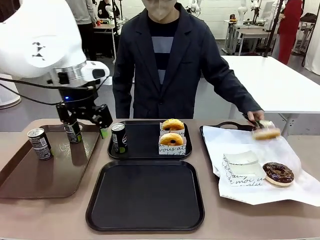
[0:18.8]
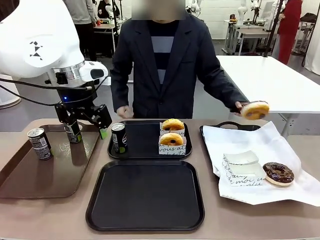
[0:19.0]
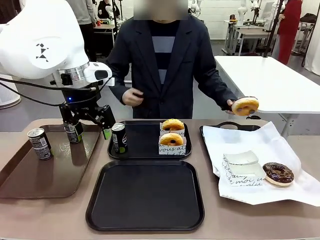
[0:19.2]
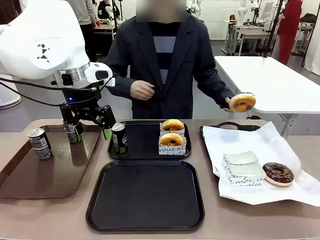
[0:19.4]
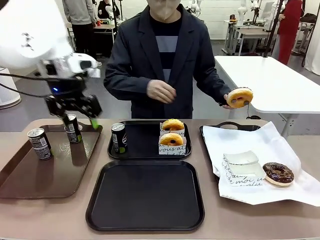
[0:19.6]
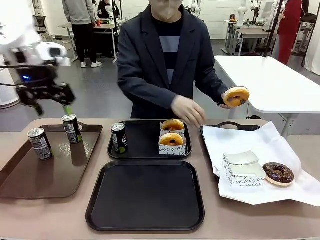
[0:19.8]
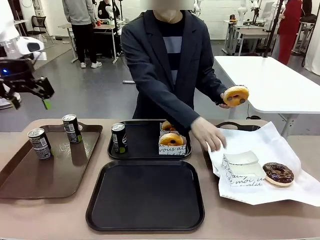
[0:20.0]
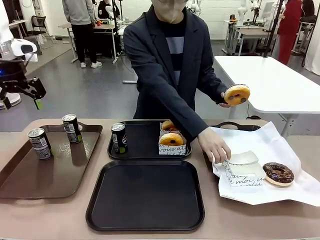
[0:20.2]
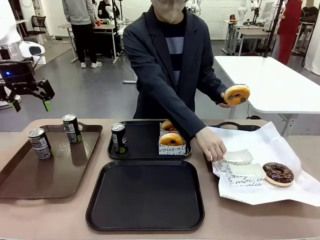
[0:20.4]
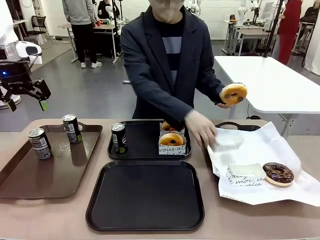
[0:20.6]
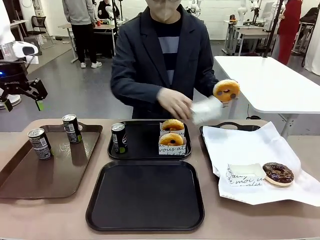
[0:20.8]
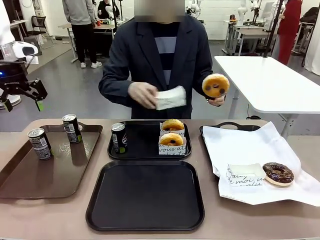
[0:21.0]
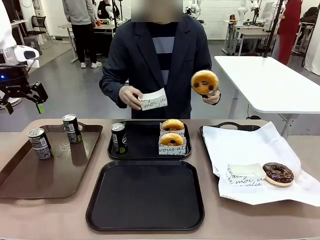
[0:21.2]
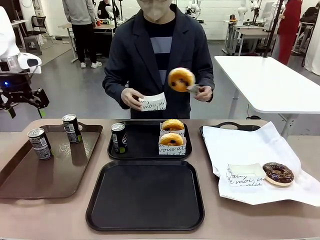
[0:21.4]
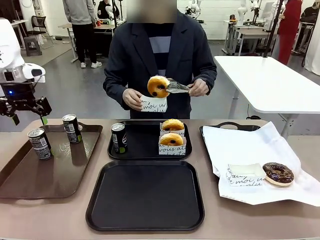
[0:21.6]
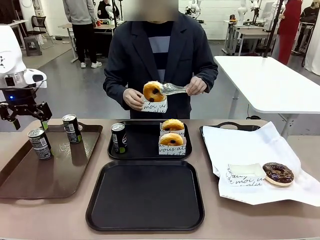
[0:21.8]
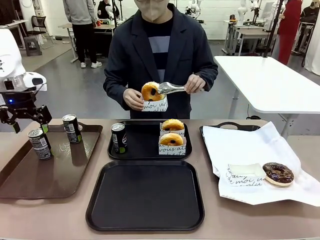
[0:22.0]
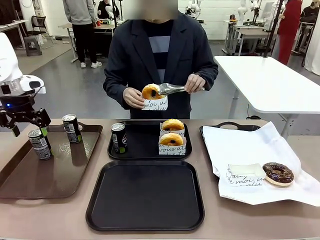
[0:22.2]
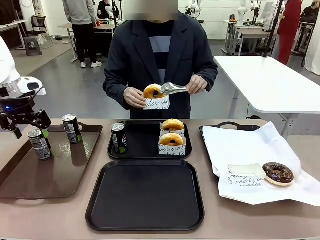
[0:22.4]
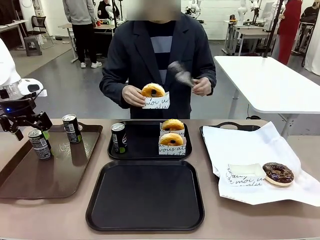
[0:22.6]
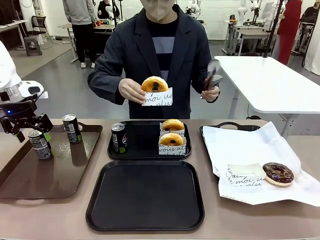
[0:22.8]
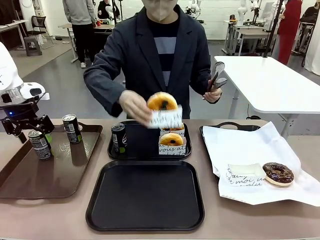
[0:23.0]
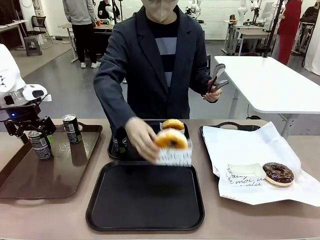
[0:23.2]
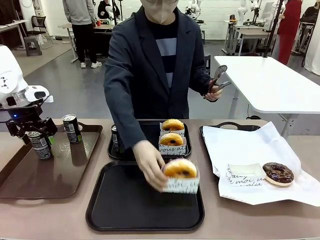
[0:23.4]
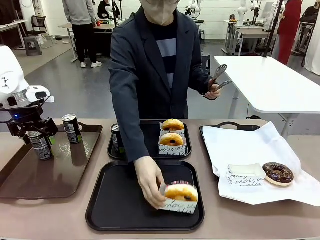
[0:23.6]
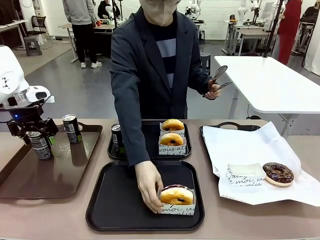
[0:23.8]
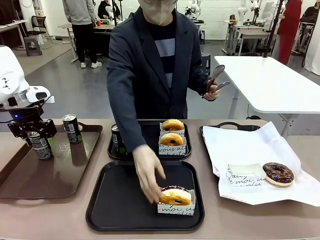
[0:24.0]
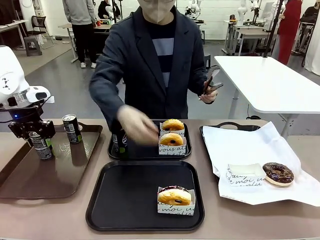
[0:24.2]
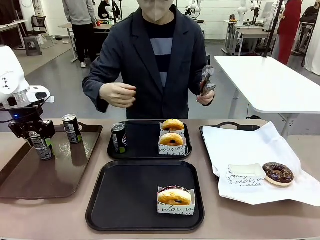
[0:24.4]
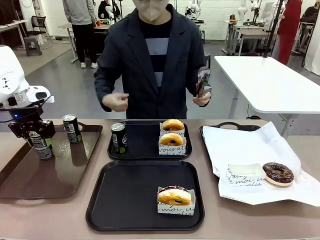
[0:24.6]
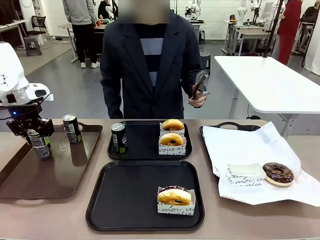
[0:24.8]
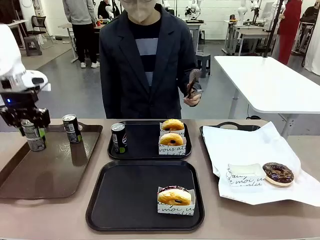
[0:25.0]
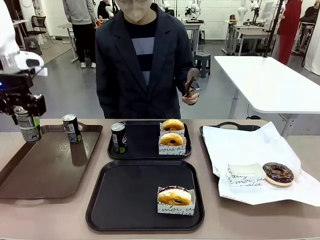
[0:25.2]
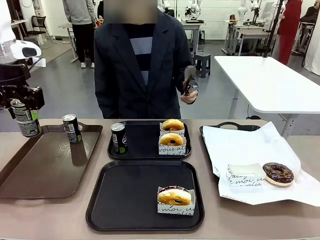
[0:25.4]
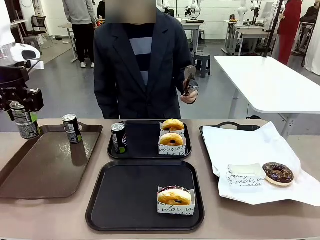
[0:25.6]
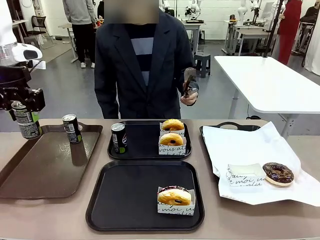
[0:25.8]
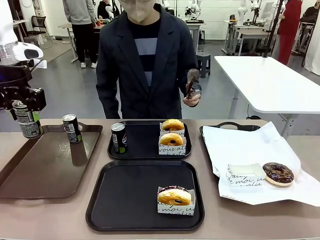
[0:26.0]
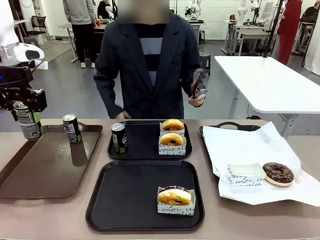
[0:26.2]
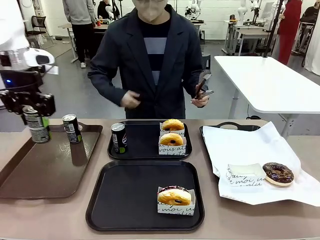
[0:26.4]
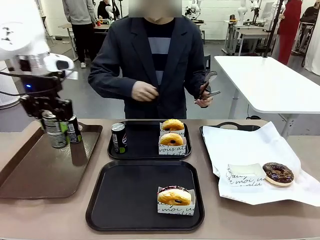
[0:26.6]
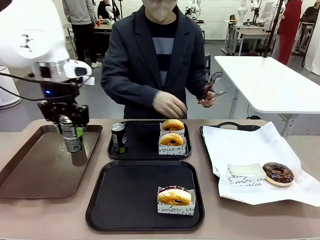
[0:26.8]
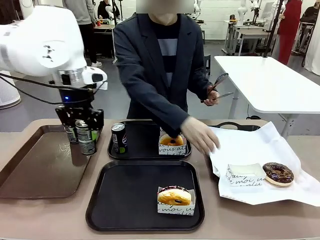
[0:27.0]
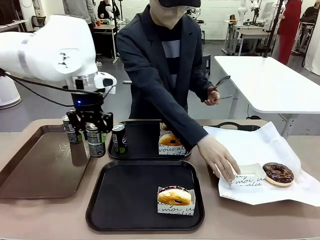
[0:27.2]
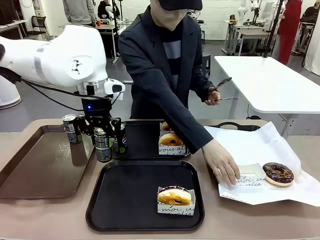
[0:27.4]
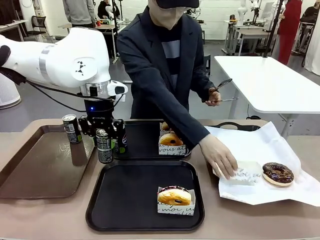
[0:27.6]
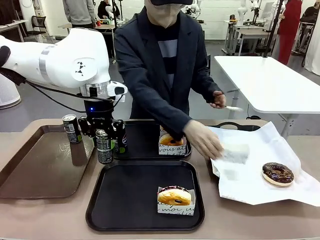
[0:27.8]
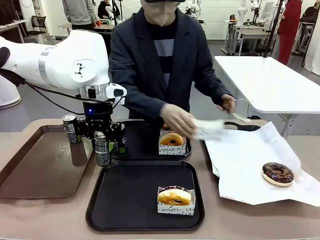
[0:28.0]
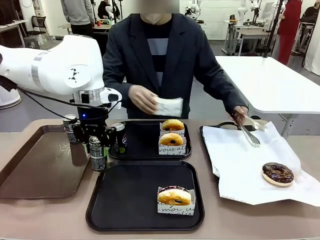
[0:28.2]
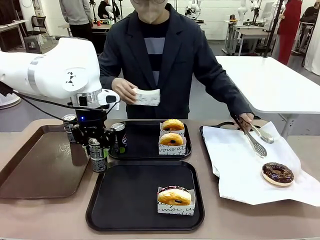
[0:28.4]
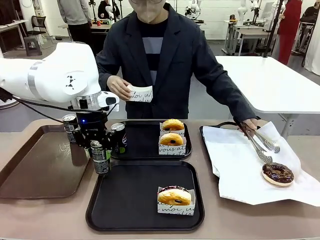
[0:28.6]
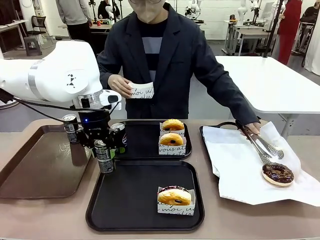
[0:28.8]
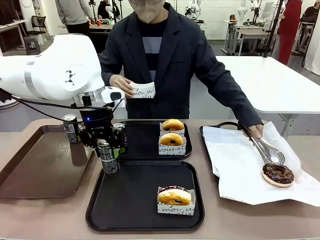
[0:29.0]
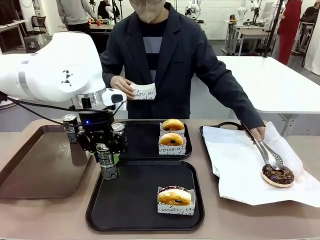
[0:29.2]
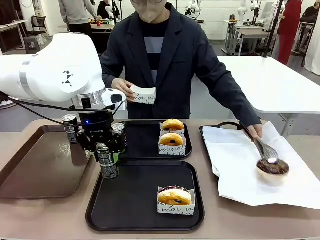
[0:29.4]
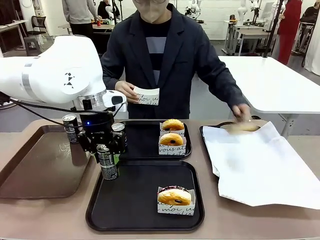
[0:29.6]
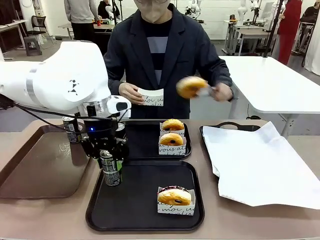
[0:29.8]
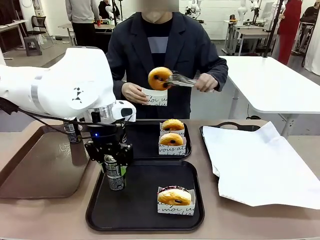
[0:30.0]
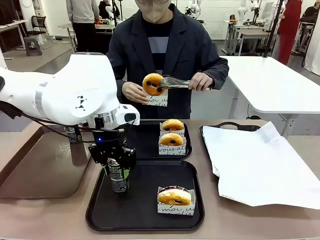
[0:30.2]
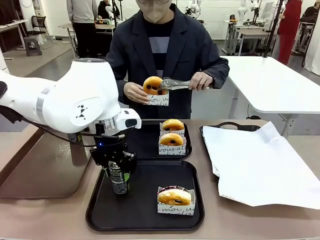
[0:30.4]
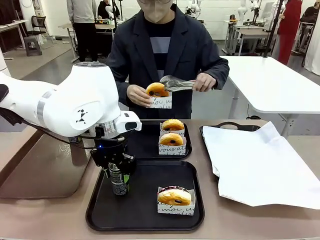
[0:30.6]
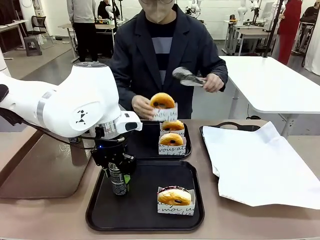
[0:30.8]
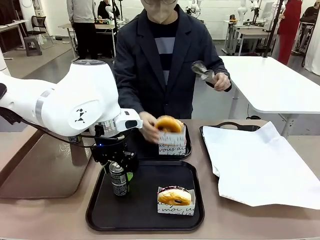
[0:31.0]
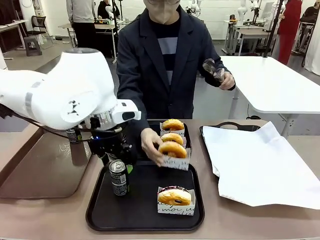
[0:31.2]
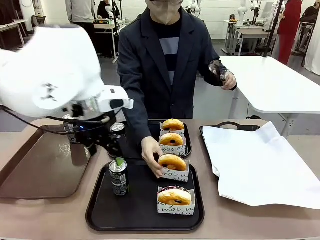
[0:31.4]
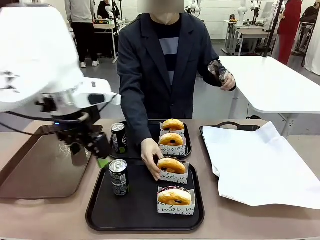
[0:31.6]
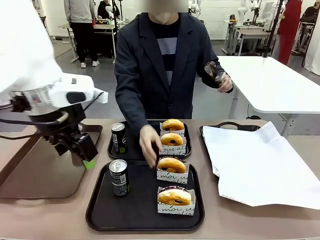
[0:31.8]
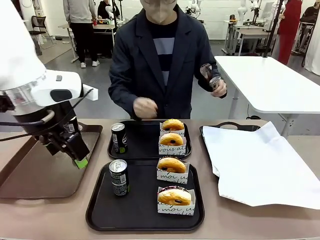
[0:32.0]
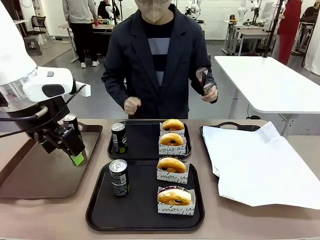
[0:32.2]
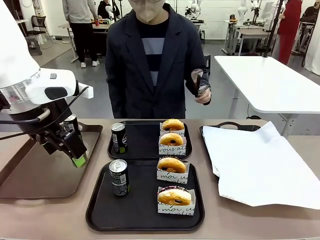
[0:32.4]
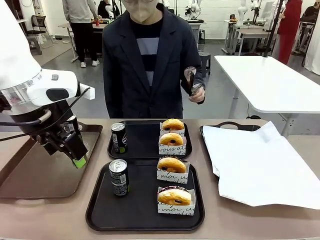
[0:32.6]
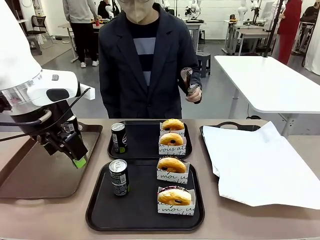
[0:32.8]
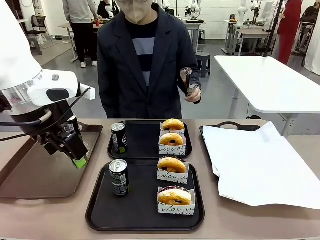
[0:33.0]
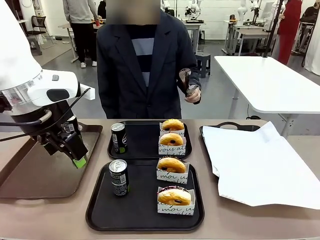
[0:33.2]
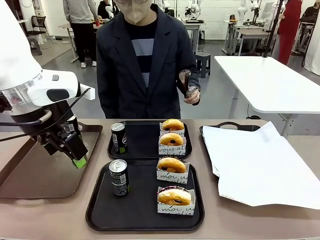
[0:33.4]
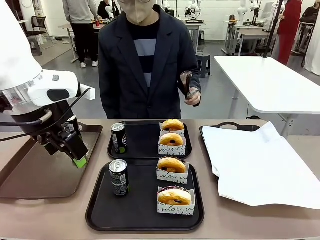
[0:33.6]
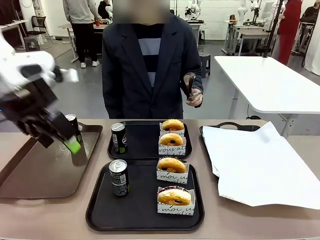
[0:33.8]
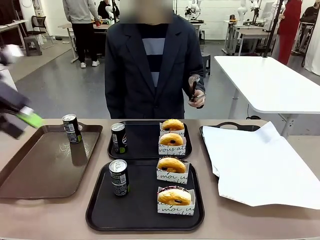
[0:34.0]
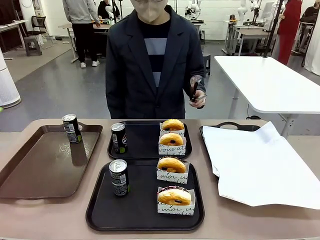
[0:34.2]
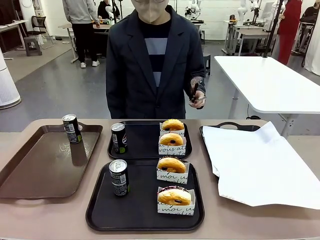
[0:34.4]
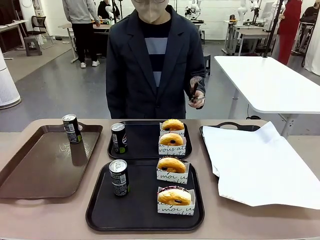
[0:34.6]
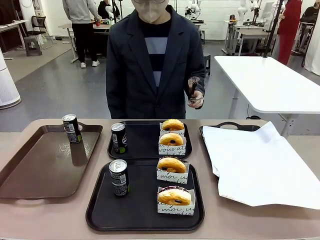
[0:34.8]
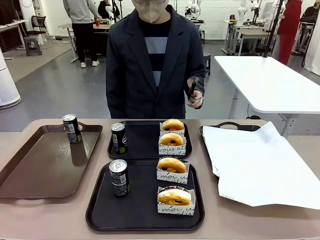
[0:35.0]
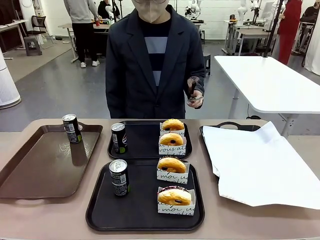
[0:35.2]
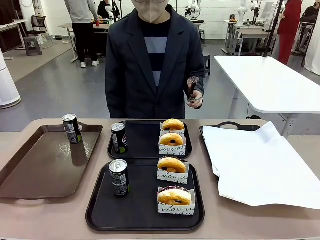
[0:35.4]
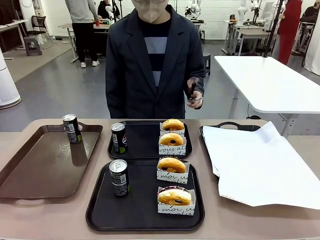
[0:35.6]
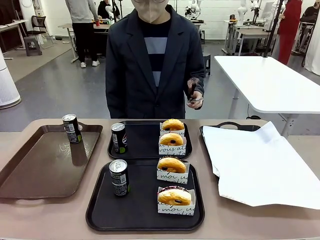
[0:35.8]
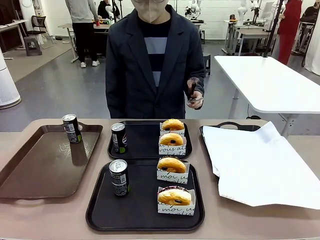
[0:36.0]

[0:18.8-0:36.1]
Task: Set up donuts and drinks on trays.
Robot: Pick up one Pepsi coke from the Handle tray and place it on the Flat Tray without a Pepsi coke.
